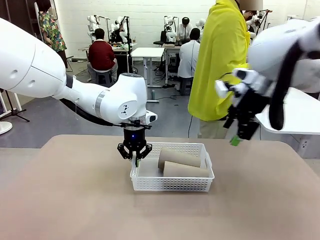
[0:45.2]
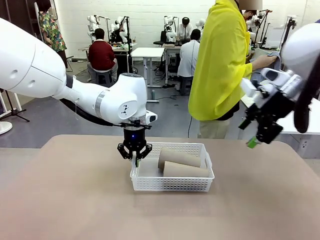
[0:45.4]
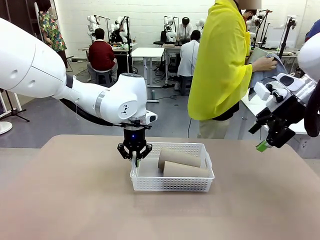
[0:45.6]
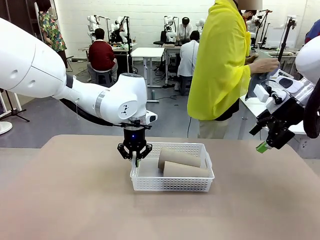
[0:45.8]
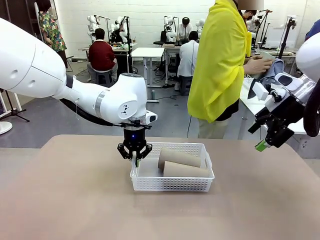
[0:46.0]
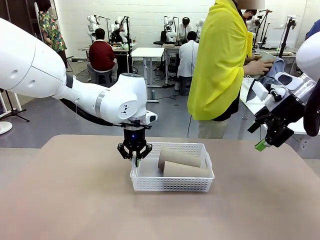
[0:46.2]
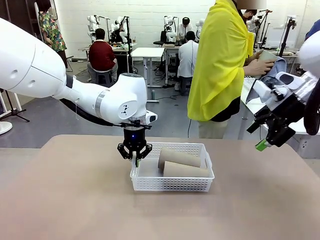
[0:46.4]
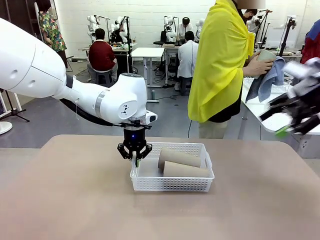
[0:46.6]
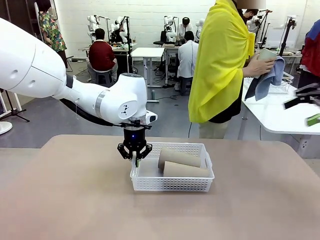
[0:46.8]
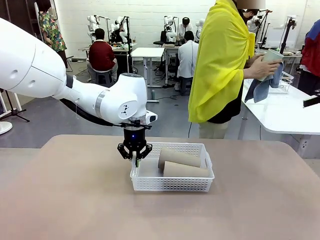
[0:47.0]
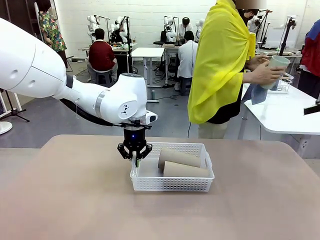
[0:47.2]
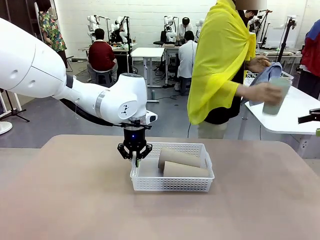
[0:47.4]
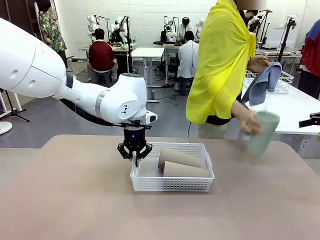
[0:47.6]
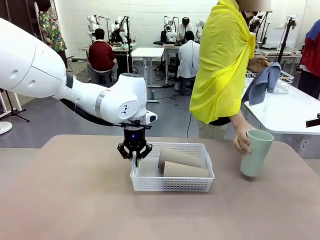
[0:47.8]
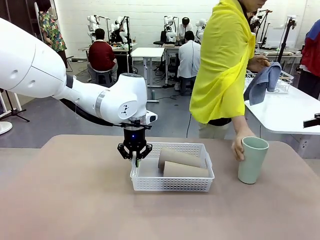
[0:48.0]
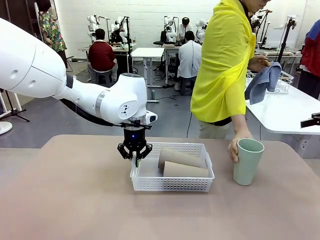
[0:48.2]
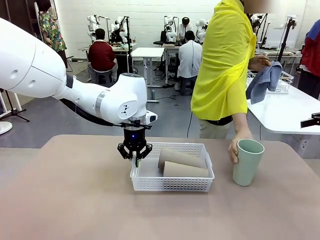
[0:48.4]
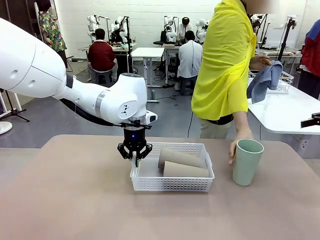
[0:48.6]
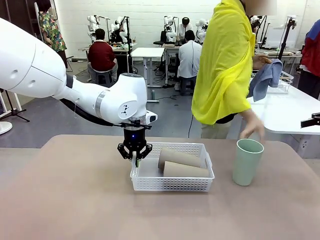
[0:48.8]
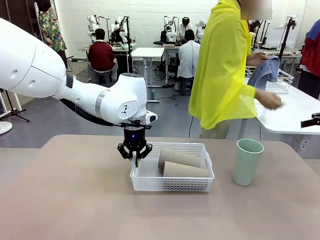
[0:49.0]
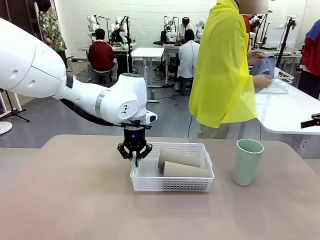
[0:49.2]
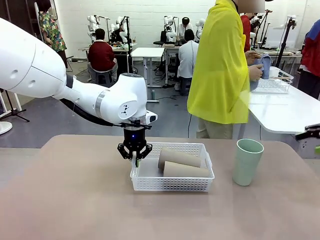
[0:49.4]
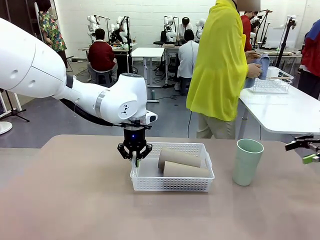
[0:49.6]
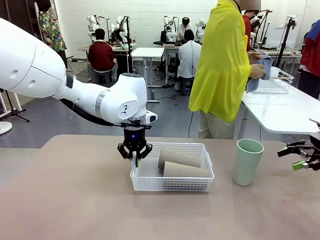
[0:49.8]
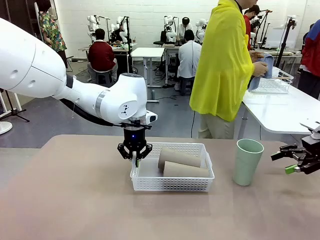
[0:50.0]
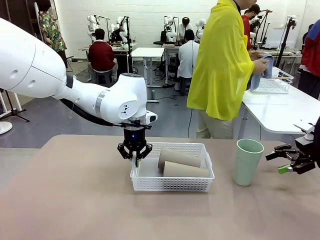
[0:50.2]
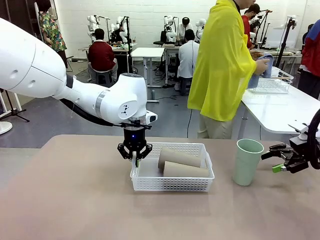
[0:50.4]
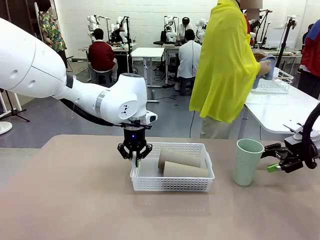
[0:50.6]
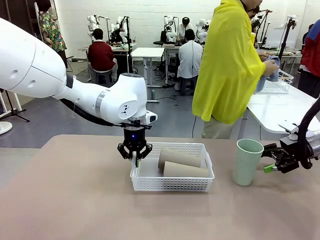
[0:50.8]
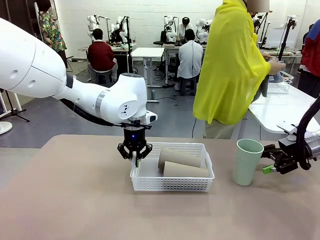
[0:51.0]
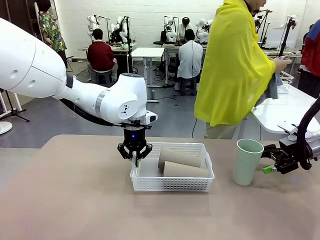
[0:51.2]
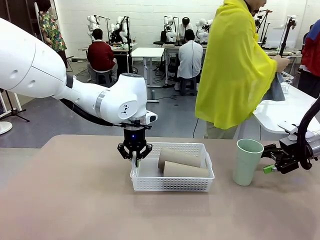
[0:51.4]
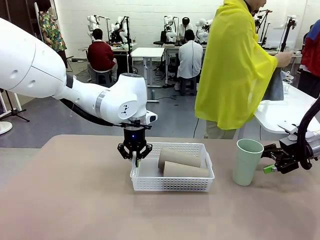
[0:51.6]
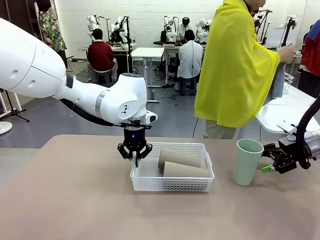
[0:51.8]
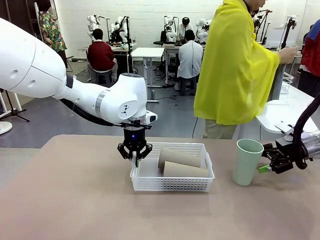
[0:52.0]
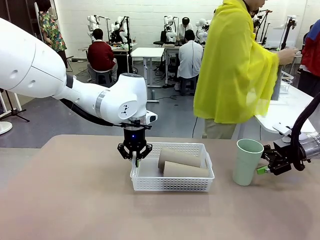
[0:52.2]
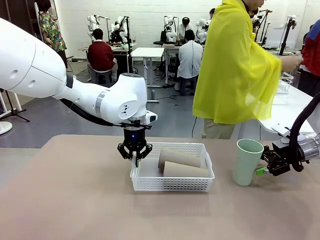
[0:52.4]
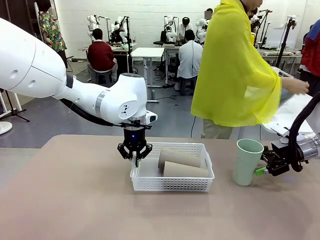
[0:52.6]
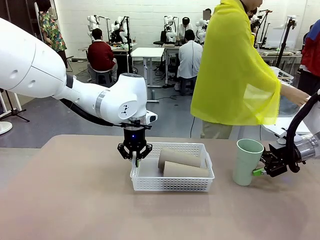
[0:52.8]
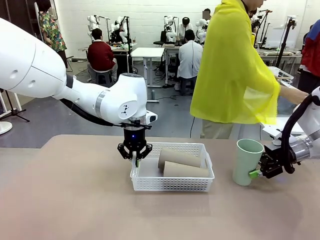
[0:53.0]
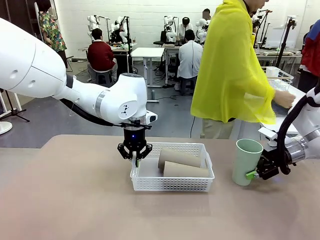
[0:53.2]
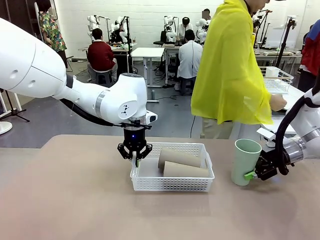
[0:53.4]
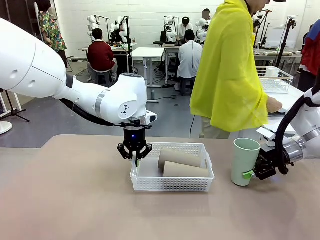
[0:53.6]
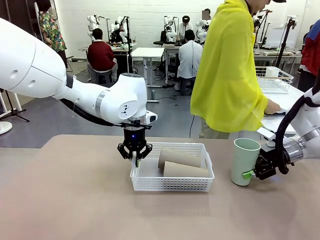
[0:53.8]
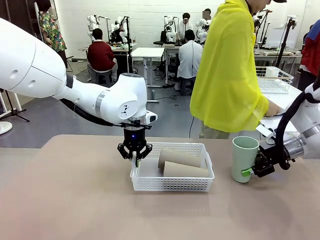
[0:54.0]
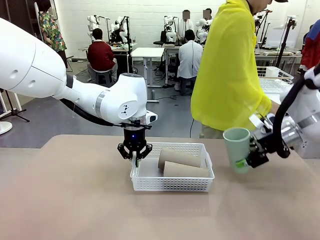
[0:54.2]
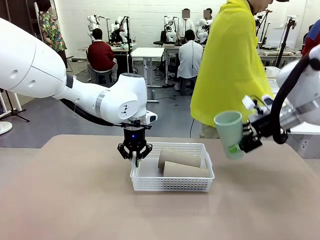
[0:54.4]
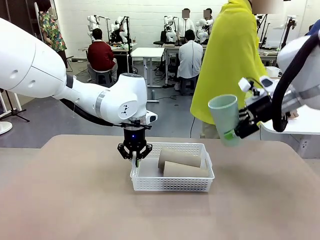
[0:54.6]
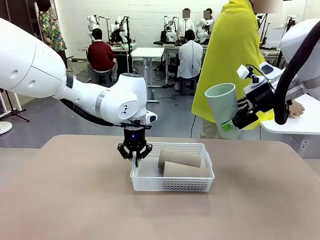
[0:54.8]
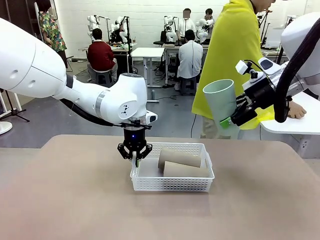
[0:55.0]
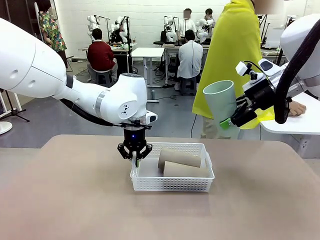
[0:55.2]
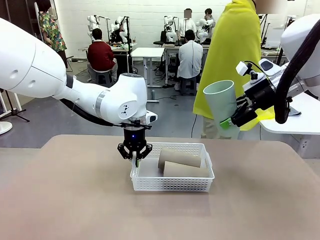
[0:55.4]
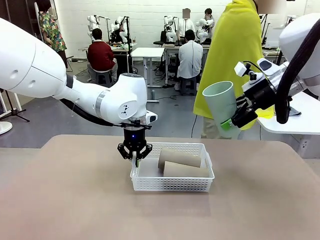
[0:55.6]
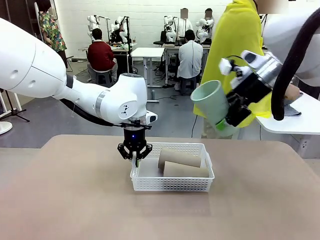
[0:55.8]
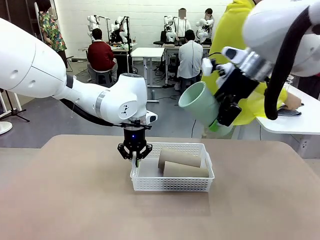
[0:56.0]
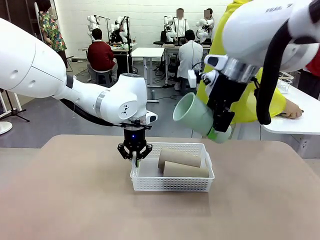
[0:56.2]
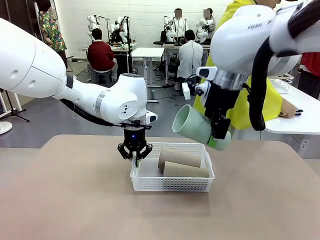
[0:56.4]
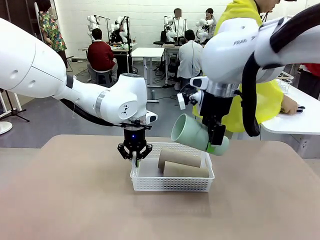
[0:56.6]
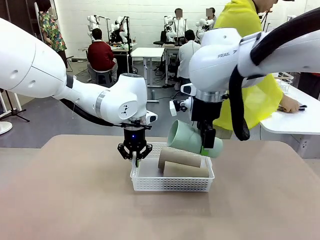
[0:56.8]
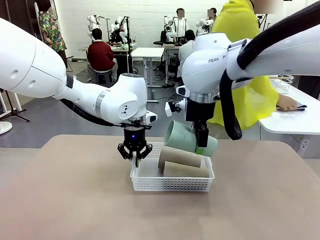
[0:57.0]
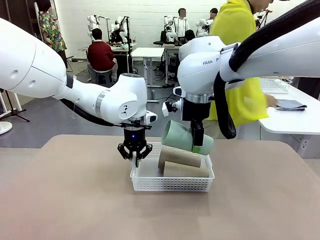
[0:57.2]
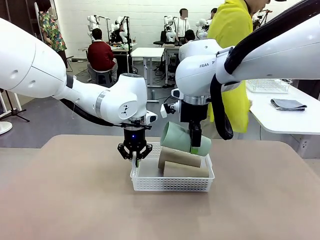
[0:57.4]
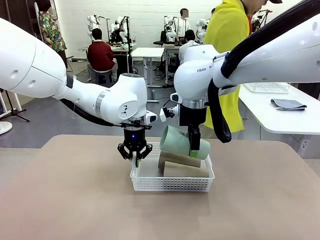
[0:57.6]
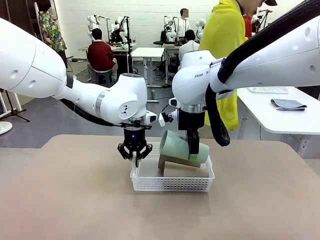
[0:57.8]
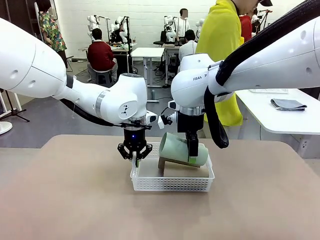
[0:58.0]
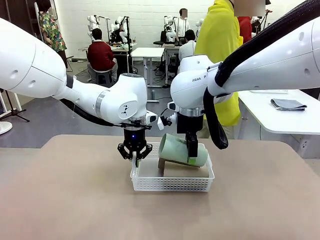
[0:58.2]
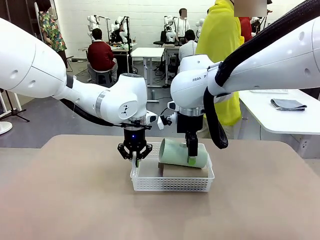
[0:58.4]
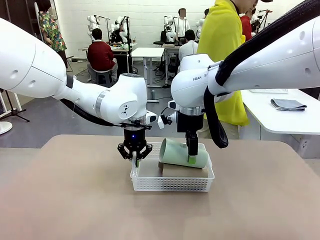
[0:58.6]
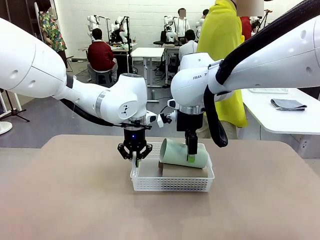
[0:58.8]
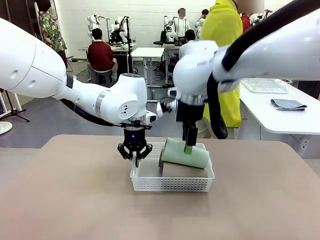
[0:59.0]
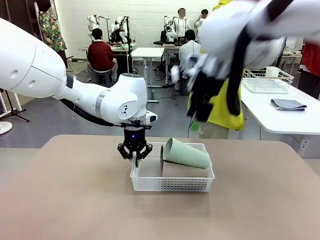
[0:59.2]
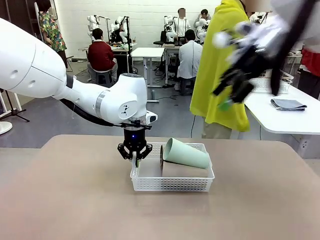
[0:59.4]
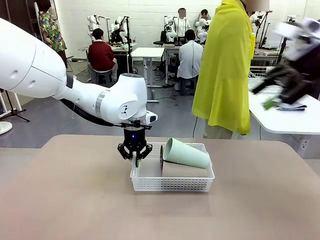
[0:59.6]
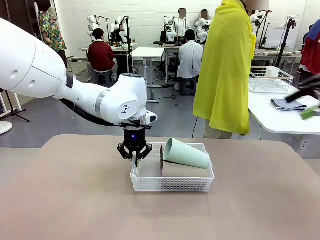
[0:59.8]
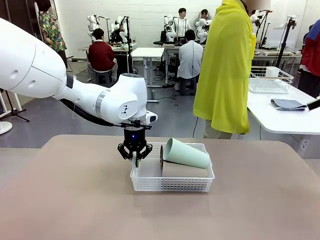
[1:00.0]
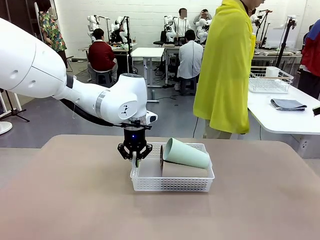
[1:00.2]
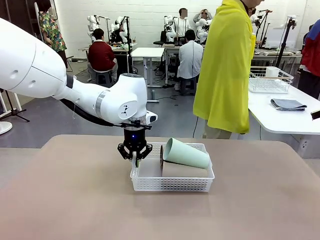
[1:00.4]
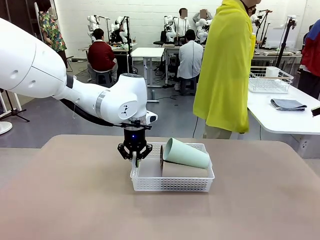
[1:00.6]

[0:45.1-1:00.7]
Task: Clean and organize the cups into the basket.
Robot: Pick up the Reusable plastic cup from the right side of the table and stack it inside the Organizing basket in the center of the table.

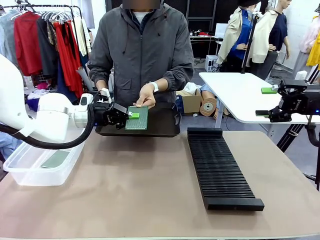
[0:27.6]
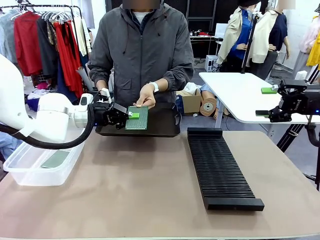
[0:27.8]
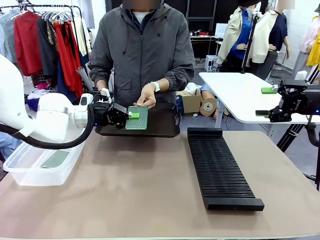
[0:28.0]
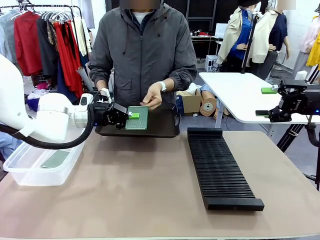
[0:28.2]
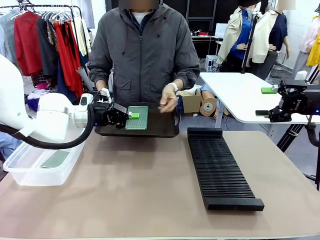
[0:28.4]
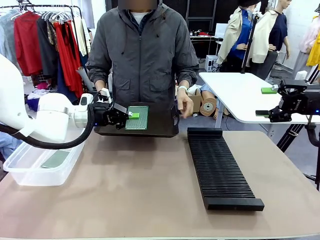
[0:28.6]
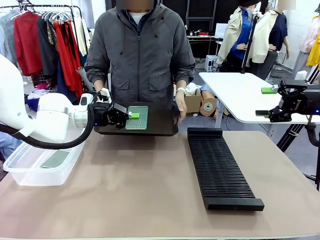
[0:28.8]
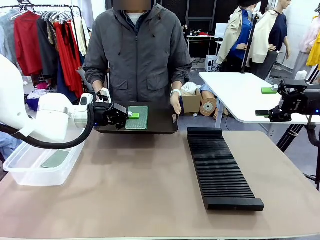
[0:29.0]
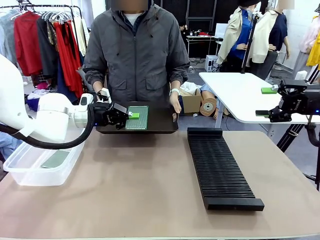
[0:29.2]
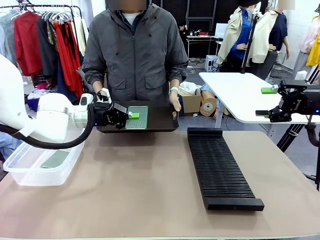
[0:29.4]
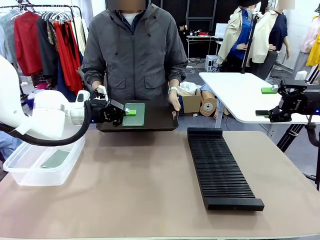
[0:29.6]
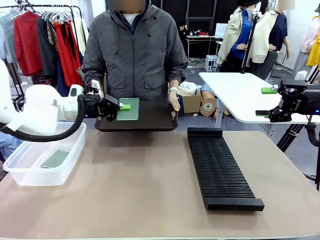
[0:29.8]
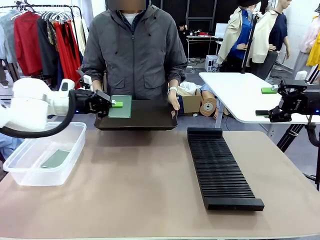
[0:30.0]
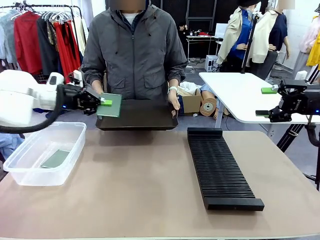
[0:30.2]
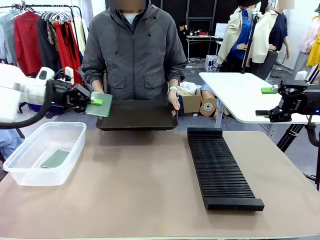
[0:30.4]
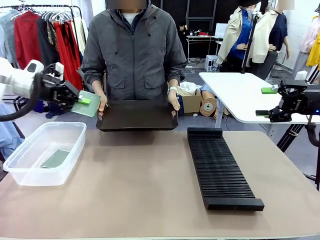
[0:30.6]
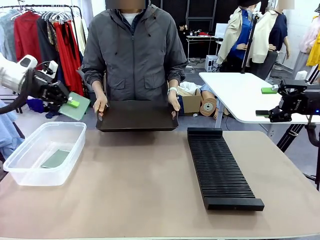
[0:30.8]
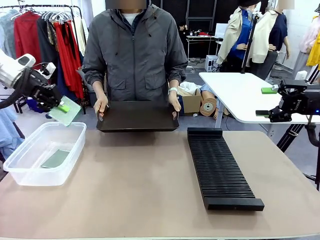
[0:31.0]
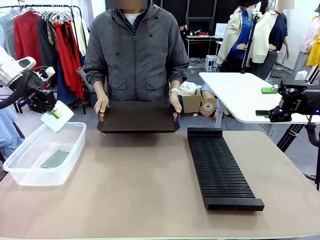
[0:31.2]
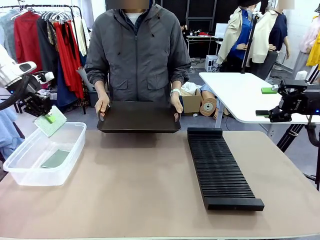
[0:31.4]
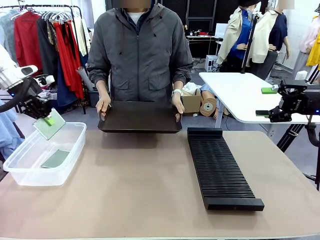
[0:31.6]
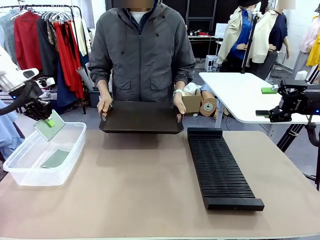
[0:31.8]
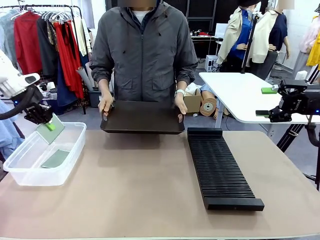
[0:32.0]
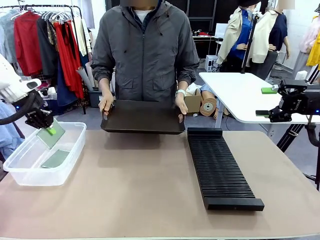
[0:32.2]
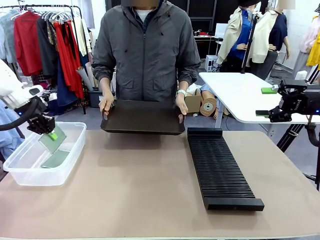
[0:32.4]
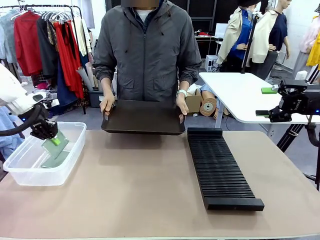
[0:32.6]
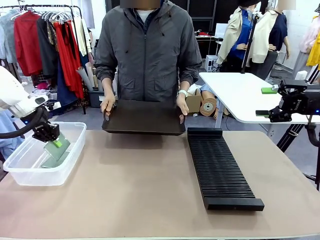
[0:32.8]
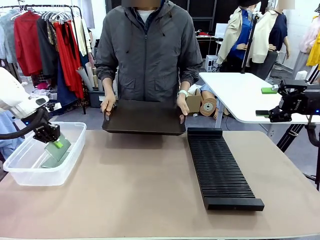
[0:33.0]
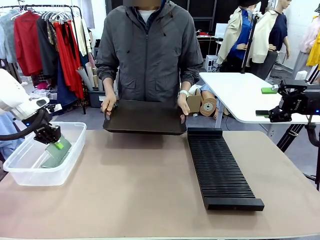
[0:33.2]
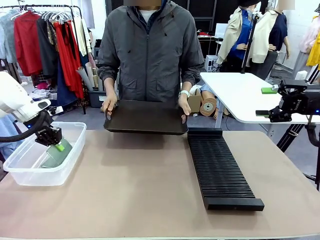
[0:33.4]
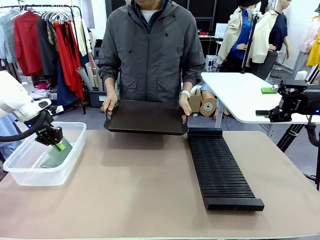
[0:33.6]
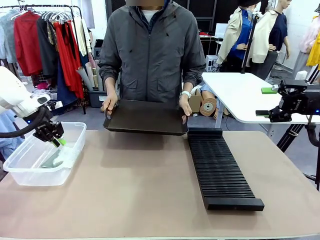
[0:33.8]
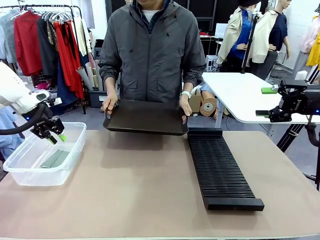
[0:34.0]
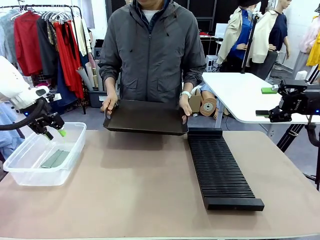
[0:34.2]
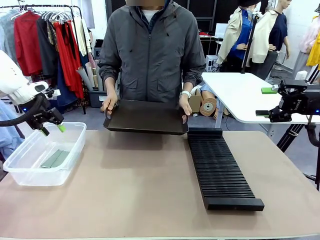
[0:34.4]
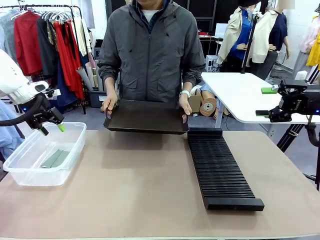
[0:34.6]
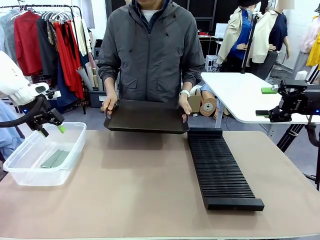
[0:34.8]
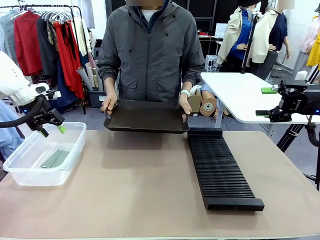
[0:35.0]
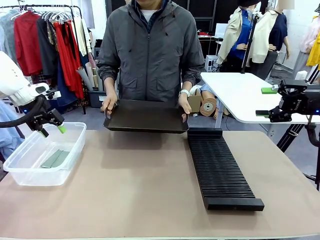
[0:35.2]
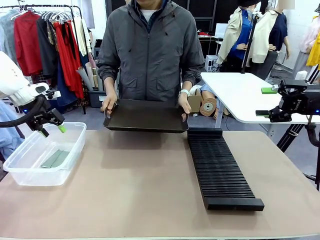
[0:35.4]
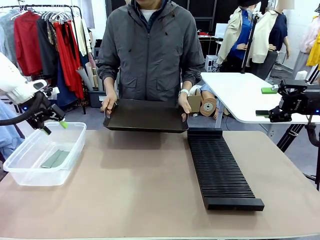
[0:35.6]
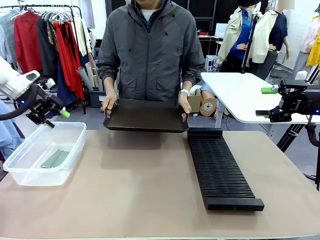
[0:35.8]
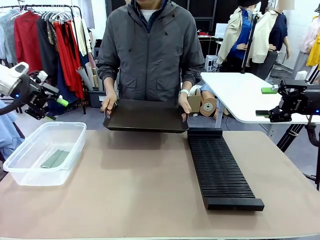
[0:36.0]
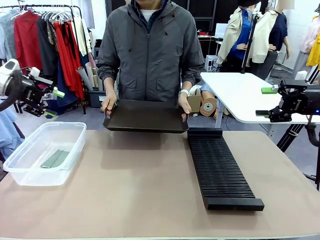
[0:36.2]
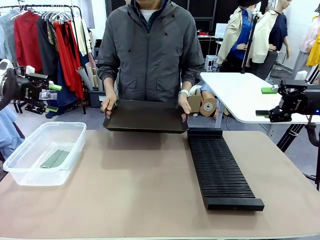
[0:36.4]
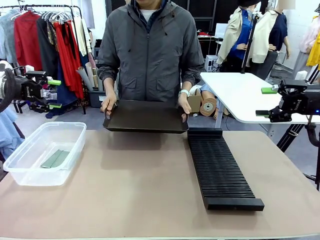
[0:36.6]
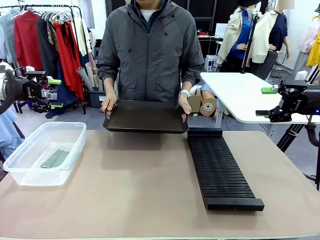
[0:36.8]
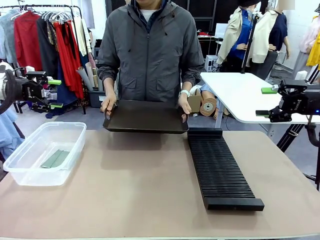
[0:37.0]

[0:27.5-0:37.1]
Task: Sort PCBs into racks and boxes based on the side picked up.
Robot: If the short side of the Blank PCB is picked up, insert it into the PCB Rack ; if the long side is picked up, place it in the Organizing box.
Person: Release the PCB being held.
